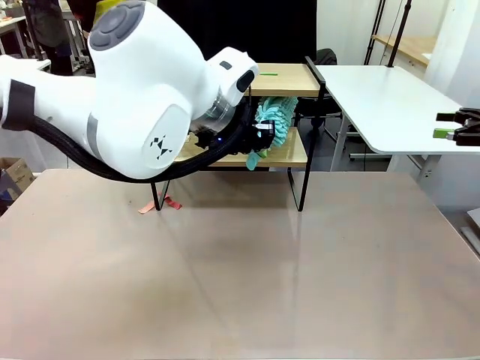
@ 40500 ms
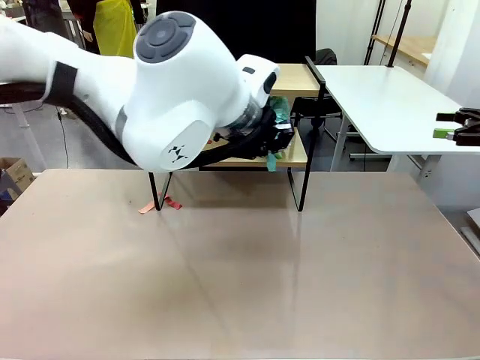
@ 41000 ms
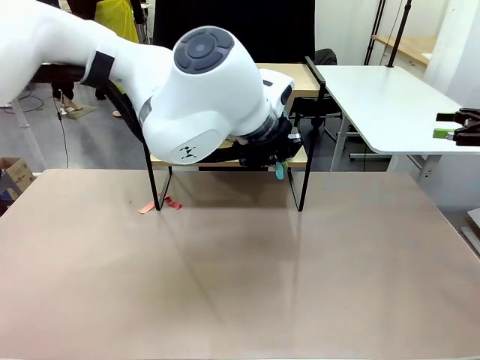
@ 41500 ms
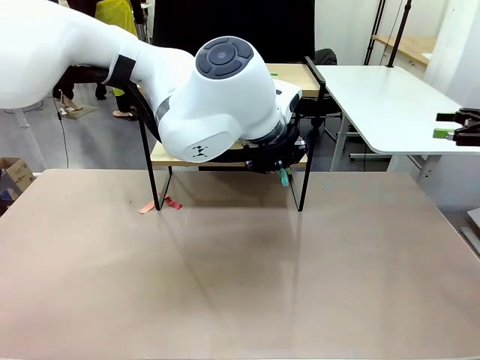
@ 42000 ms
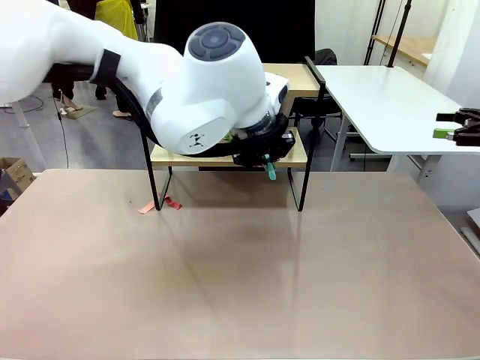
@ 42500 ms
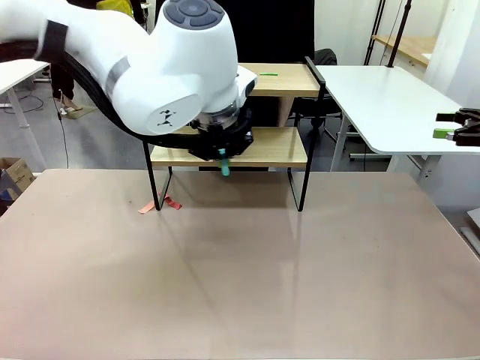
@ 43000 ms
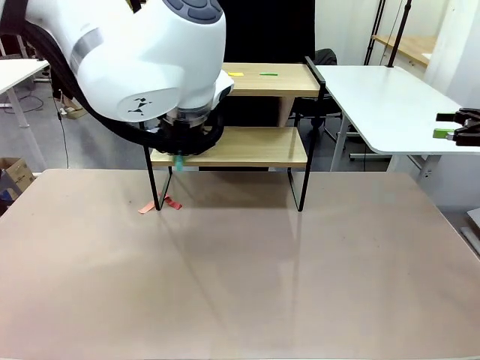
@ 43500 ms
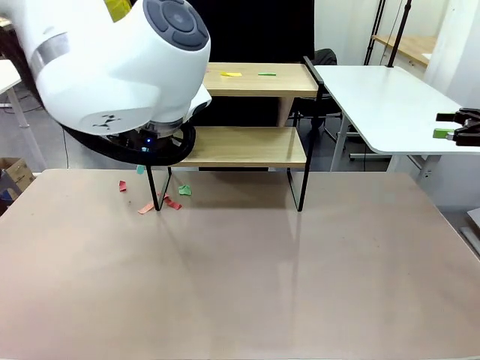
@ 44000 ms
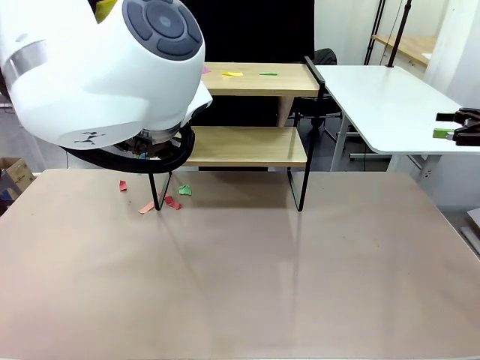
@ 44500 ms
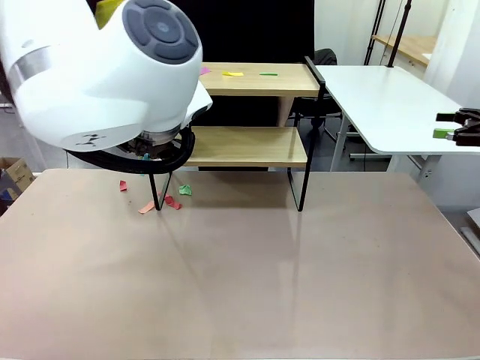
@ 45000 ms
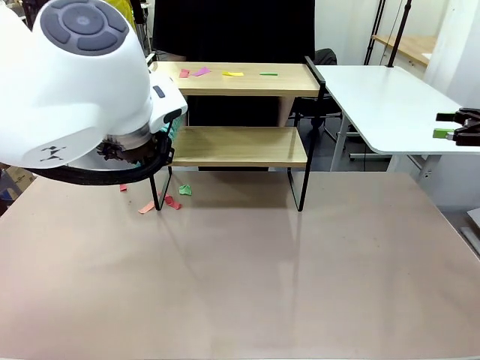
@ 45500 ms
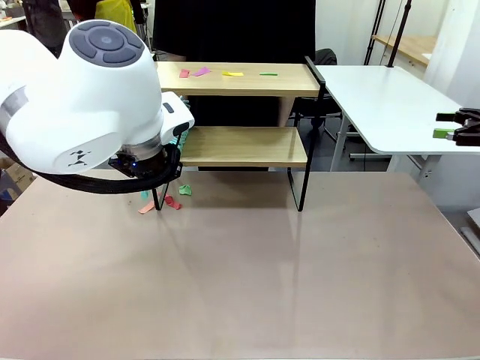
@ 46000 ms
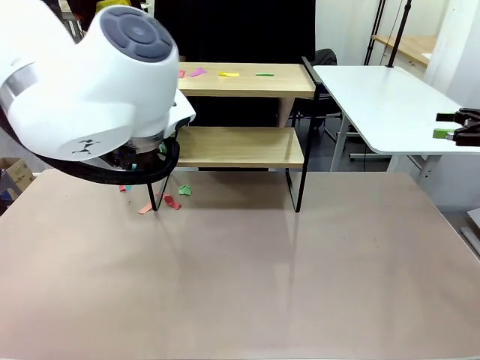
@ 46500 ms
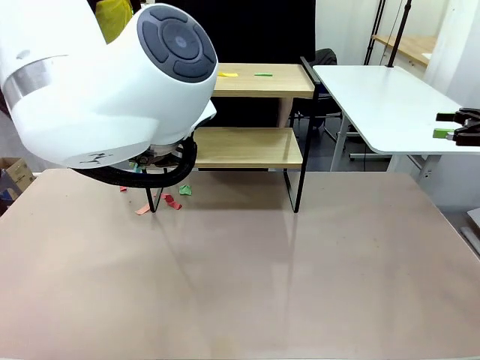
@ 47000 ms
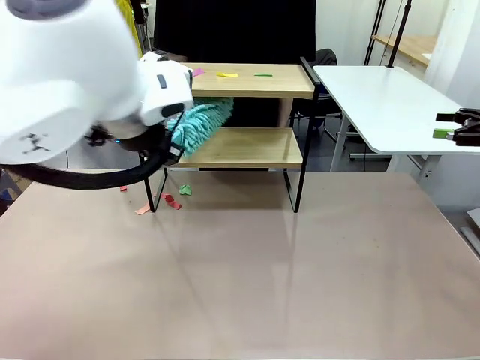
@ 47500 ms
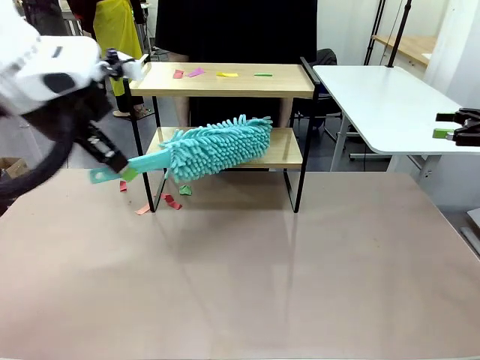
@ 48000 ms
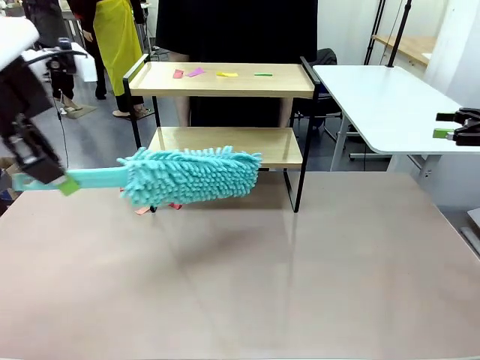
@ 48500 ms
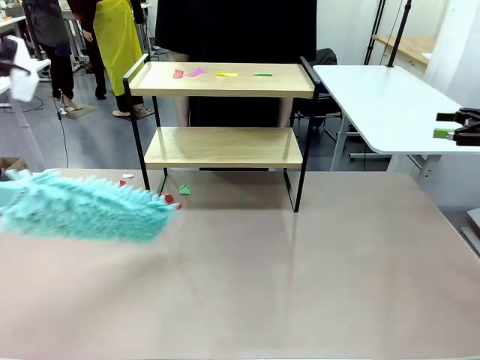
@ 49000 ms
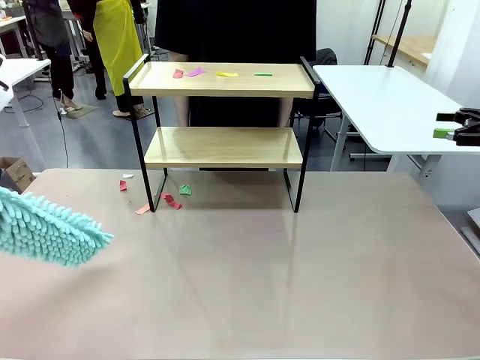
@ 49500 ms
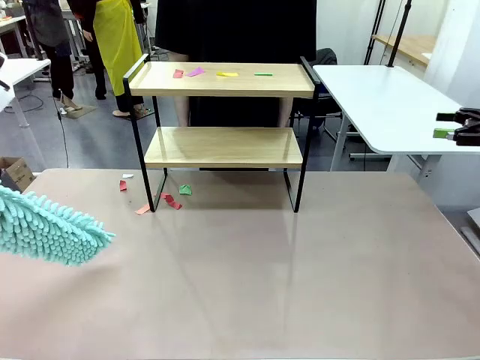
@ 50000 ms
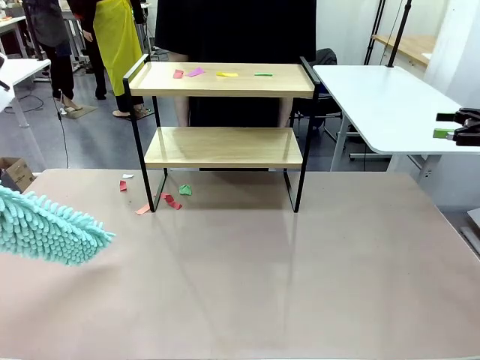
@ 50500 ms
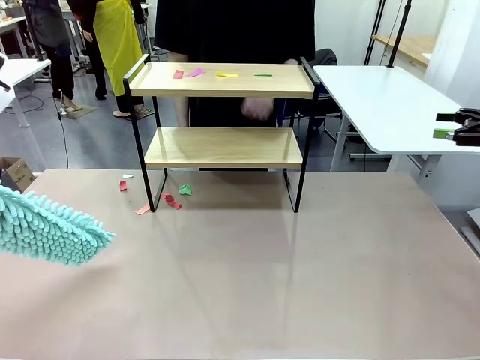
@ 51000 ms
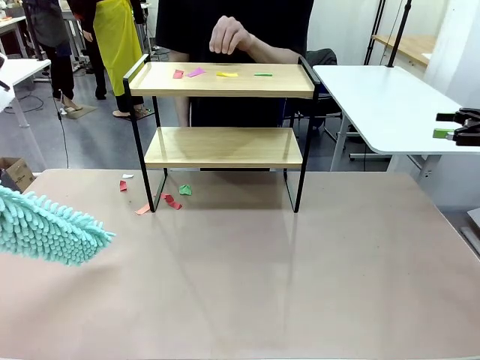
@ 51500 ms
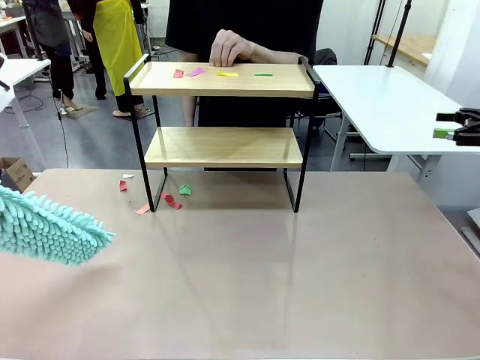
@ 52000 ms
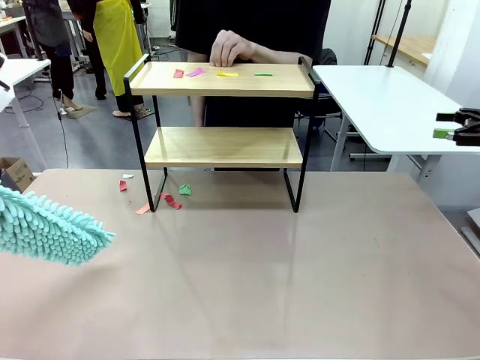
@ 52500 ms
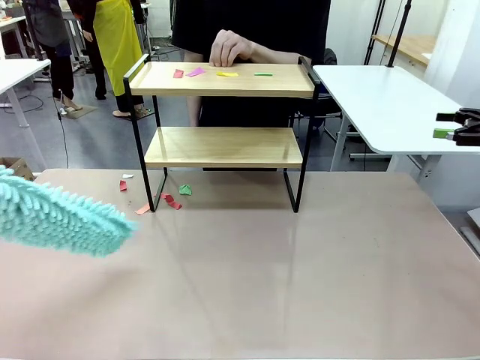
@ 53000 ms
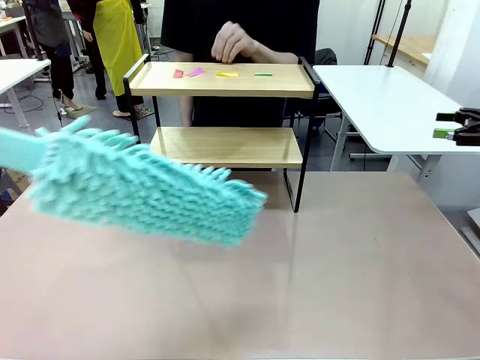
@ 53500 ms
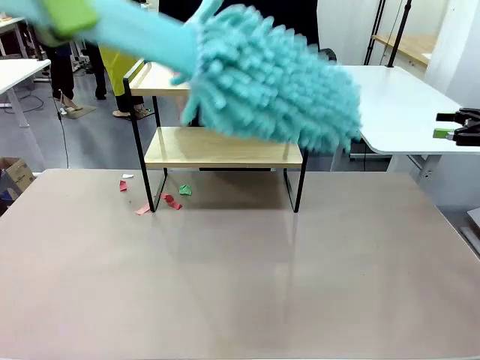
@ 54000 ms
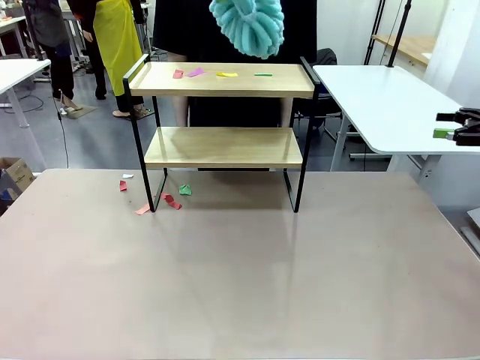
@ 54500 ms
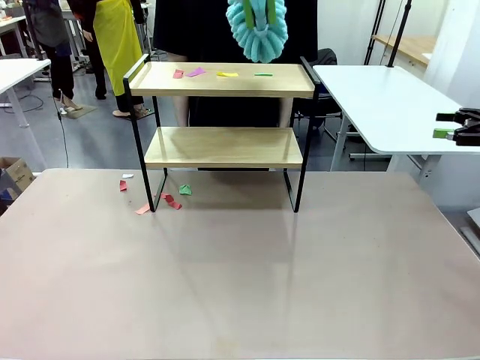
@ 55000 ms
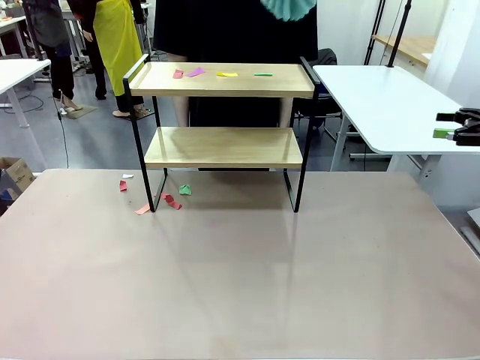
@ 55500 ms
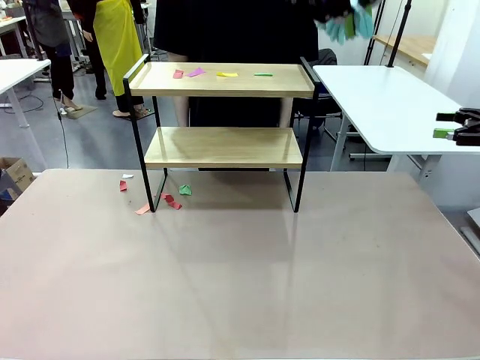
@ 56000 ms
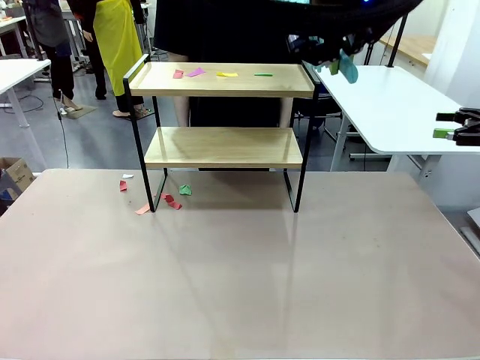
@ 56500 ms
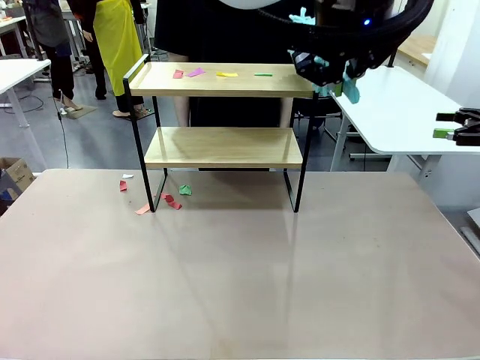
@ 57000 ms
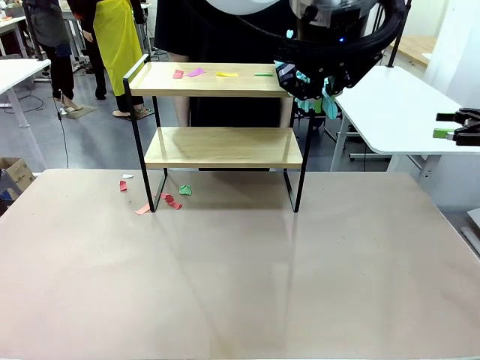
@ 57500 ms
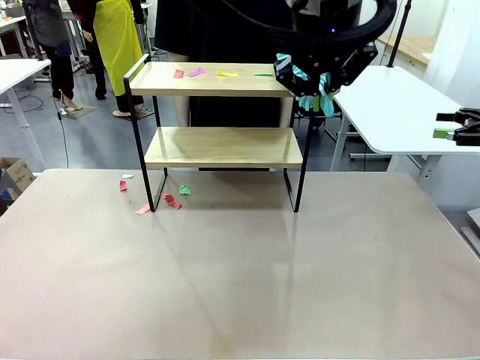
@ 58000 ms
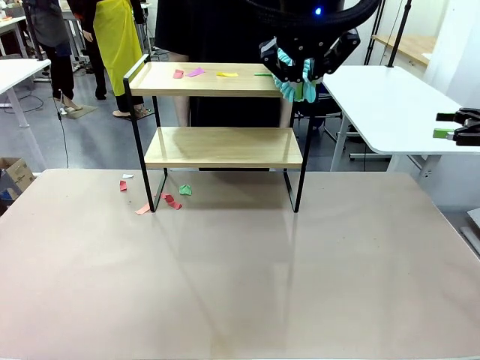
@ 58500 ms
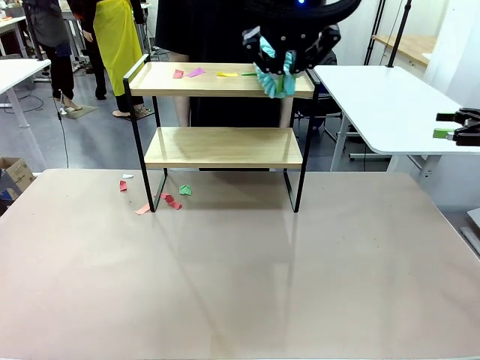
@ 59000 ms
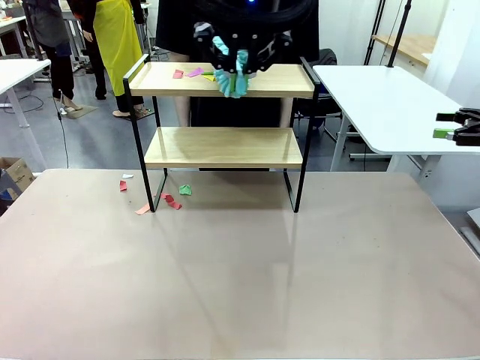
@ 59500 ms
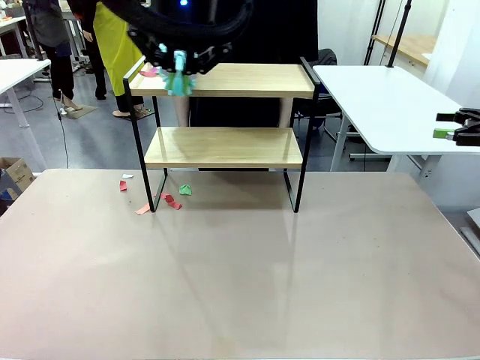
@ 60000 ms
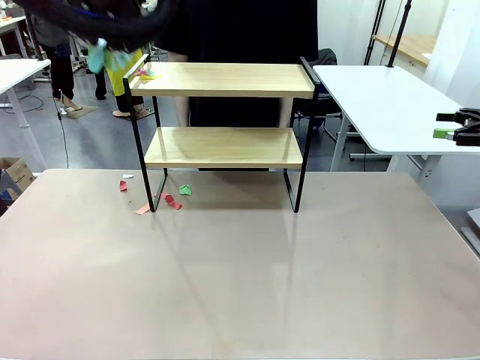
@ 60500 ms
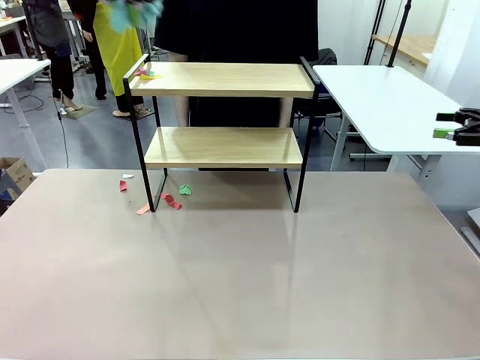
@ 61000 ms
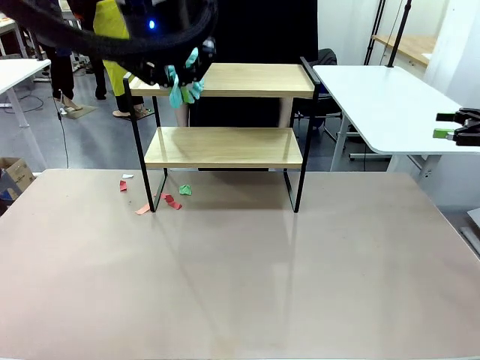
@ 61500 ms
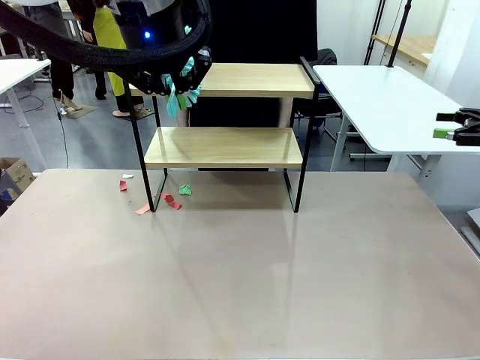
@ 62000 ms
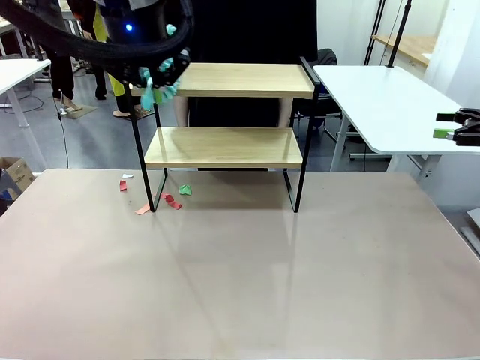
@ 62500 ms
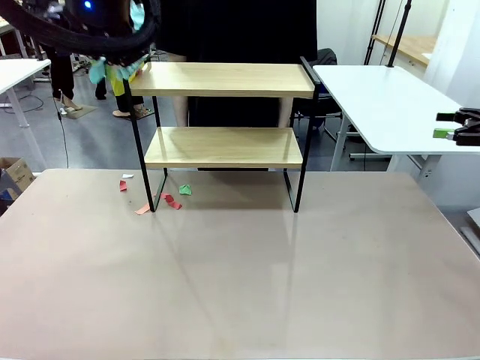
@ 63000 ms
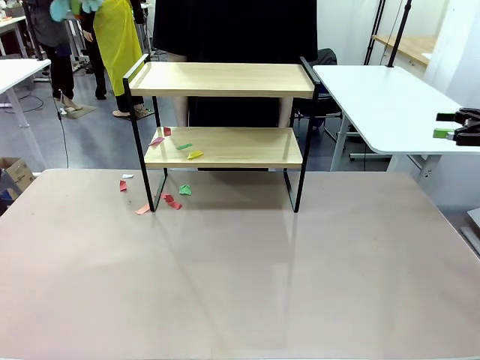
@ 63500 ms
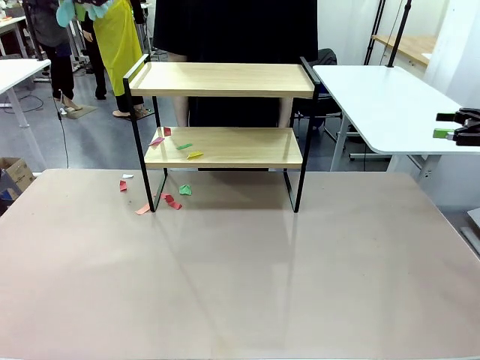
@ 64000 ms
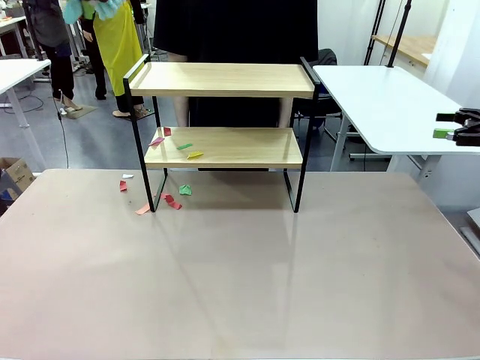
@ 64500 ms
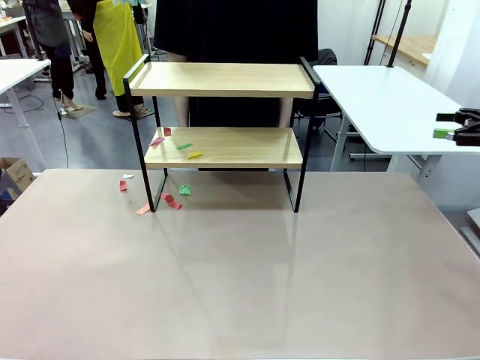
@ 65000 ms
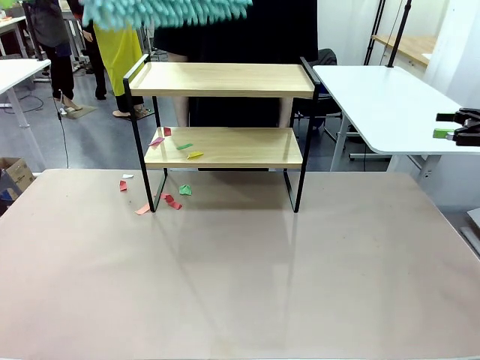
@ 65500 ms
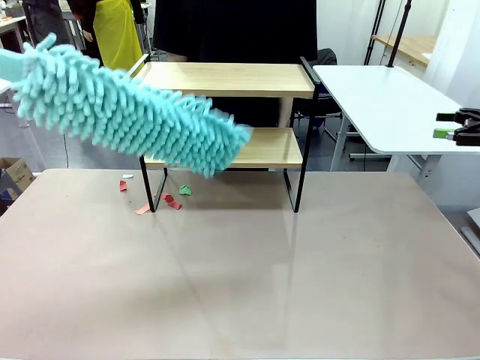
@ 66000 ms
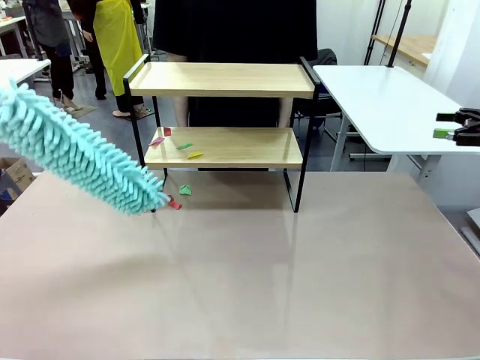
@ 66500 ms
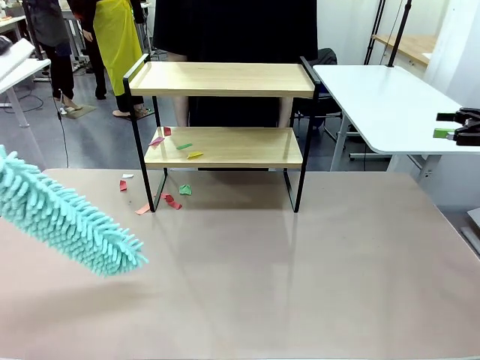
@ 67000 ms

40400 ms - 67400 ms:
Task: Clean the shelf.
Robot: Clean the specific section of the Shelf indicated by the human with the Duster.
Person: Point a remaining section of the Shelf.
